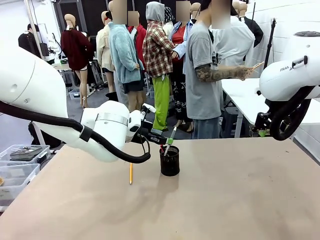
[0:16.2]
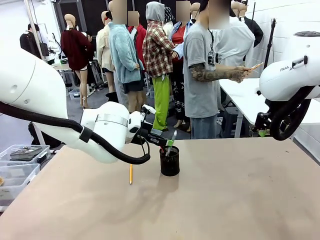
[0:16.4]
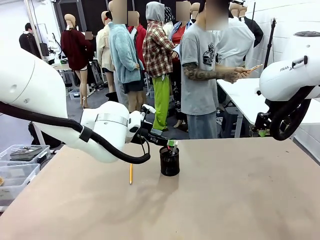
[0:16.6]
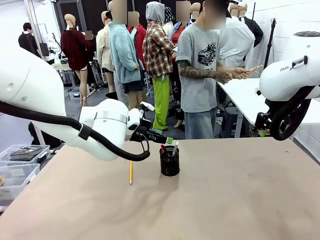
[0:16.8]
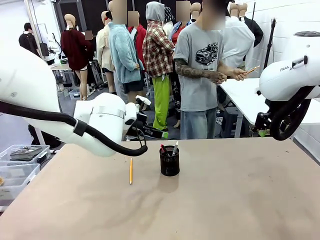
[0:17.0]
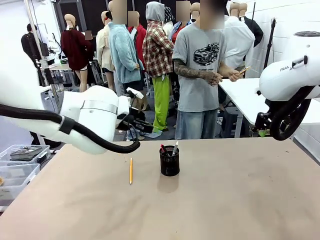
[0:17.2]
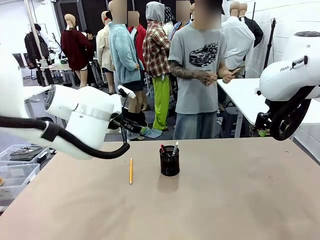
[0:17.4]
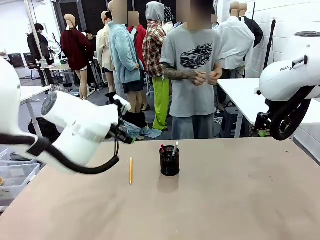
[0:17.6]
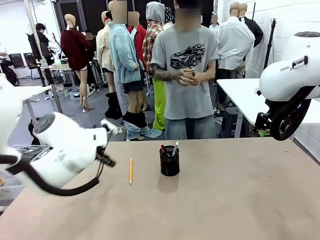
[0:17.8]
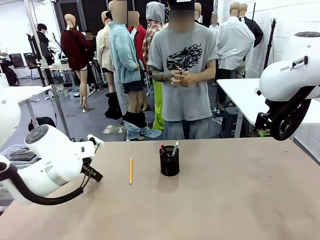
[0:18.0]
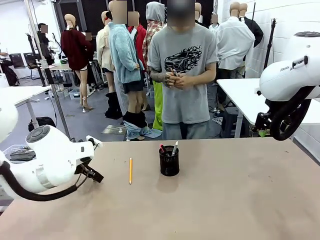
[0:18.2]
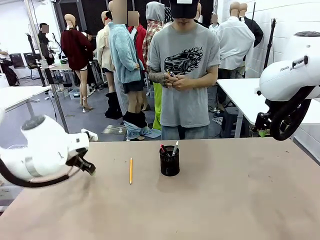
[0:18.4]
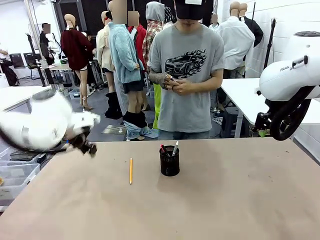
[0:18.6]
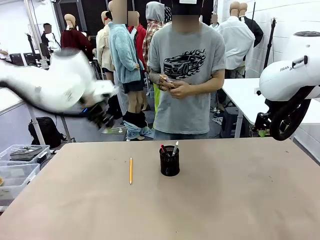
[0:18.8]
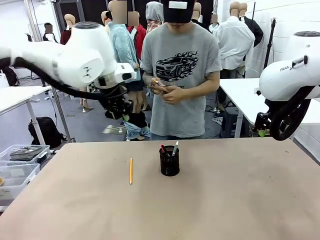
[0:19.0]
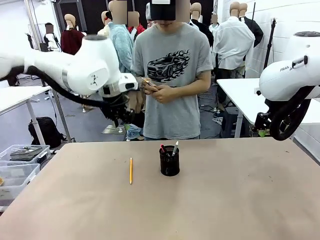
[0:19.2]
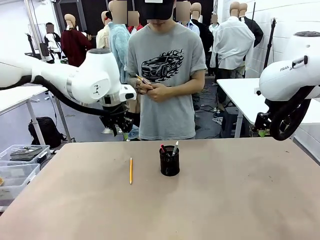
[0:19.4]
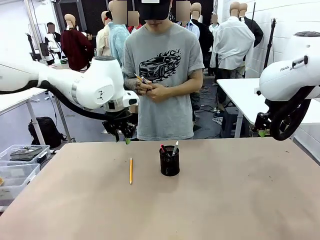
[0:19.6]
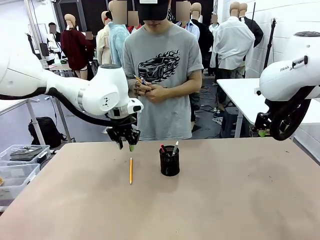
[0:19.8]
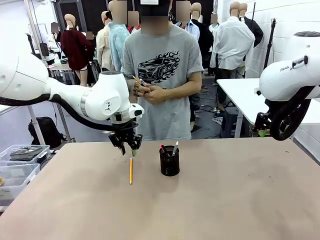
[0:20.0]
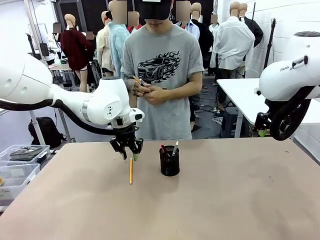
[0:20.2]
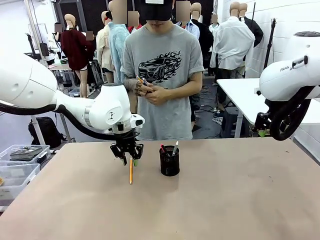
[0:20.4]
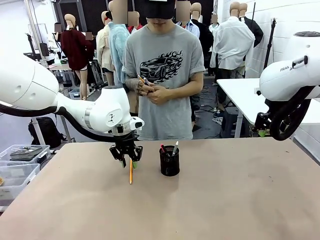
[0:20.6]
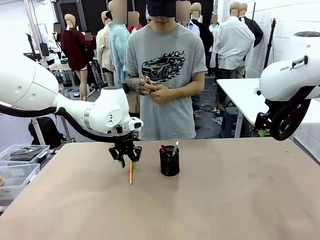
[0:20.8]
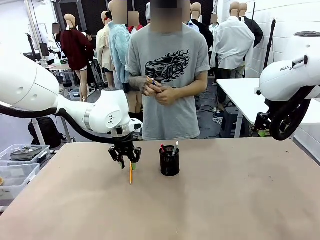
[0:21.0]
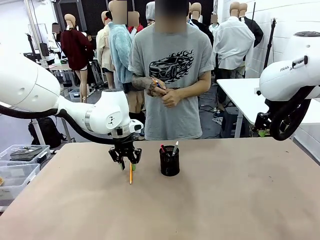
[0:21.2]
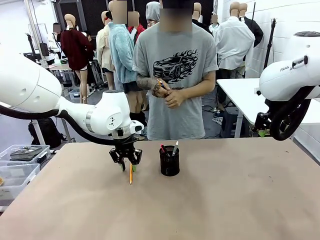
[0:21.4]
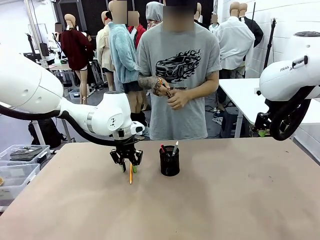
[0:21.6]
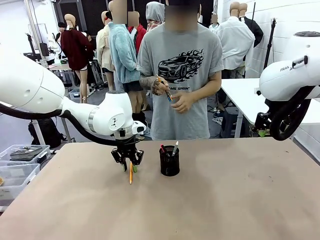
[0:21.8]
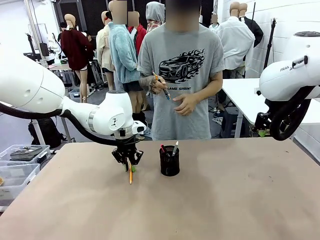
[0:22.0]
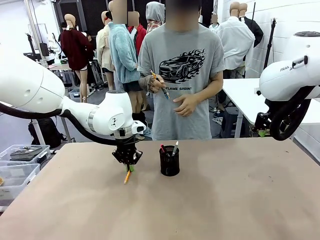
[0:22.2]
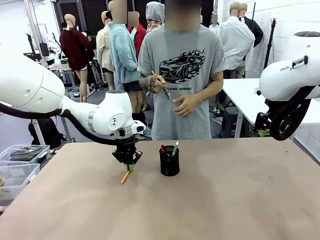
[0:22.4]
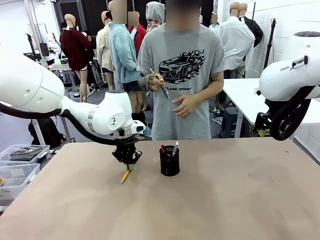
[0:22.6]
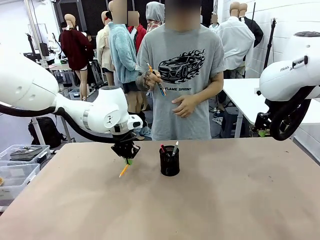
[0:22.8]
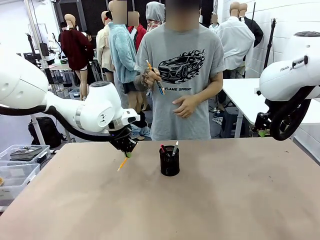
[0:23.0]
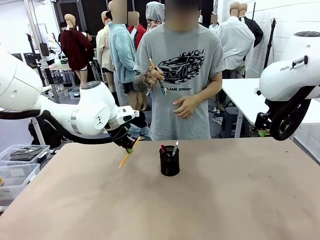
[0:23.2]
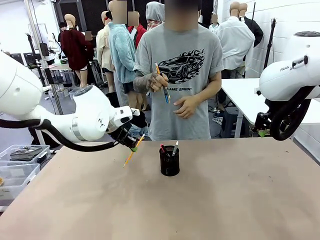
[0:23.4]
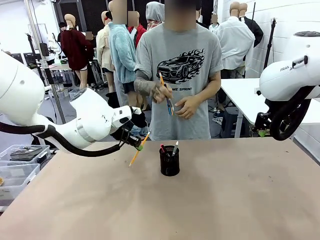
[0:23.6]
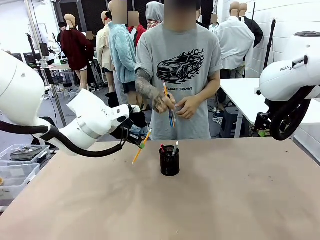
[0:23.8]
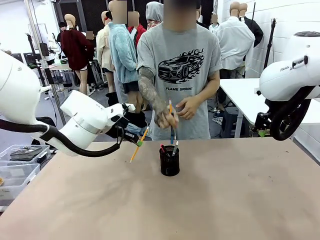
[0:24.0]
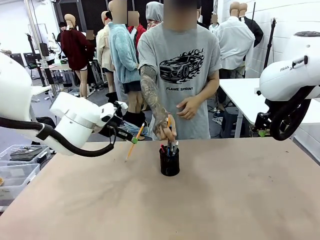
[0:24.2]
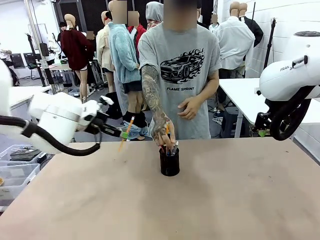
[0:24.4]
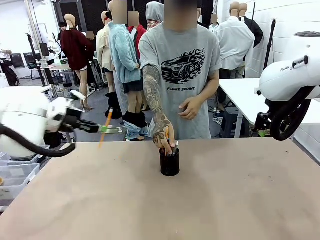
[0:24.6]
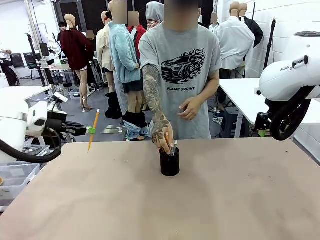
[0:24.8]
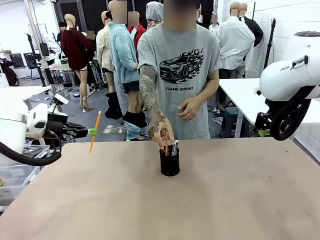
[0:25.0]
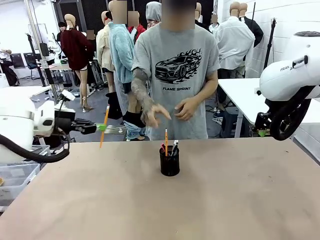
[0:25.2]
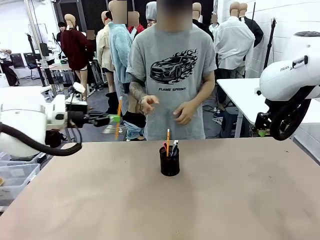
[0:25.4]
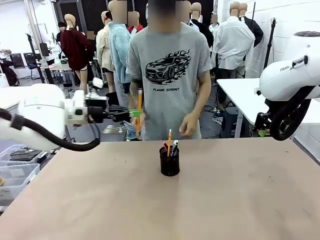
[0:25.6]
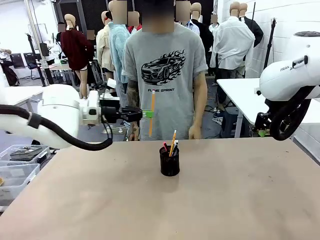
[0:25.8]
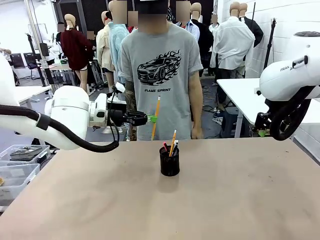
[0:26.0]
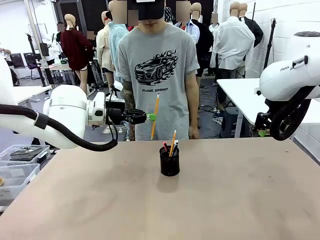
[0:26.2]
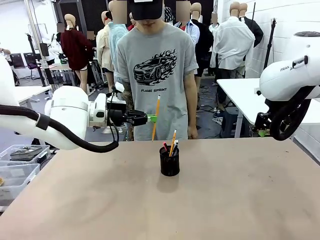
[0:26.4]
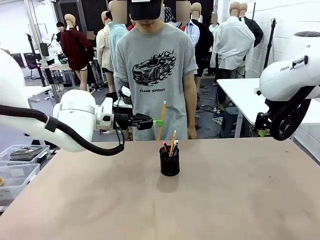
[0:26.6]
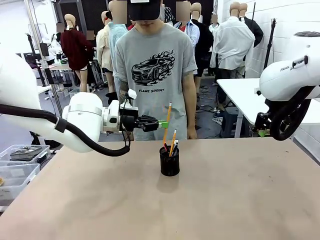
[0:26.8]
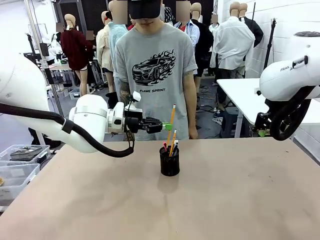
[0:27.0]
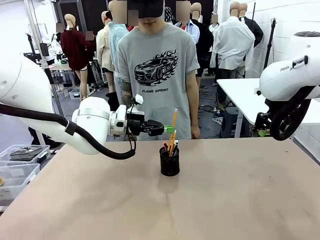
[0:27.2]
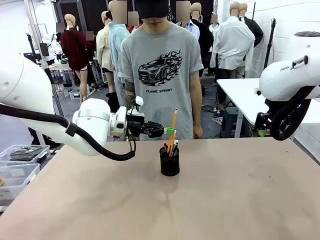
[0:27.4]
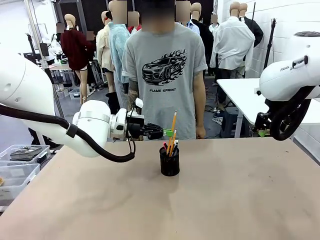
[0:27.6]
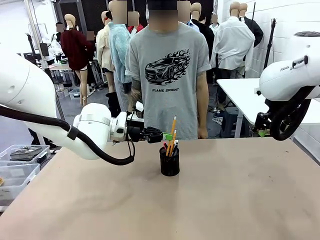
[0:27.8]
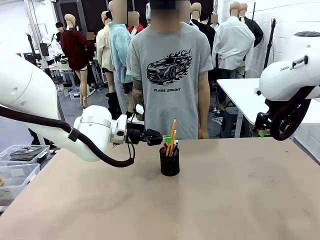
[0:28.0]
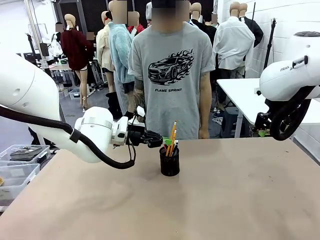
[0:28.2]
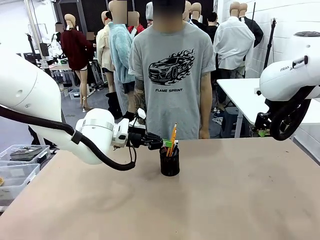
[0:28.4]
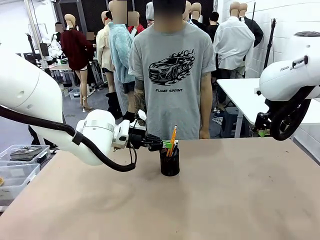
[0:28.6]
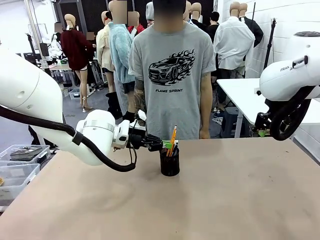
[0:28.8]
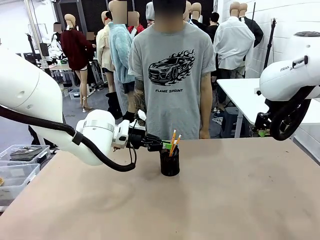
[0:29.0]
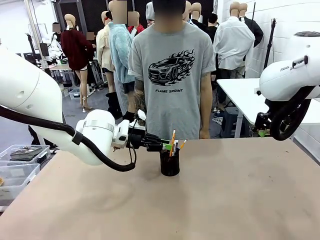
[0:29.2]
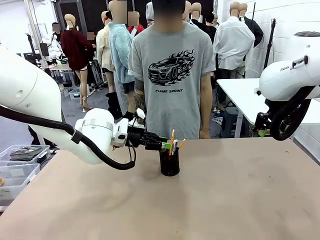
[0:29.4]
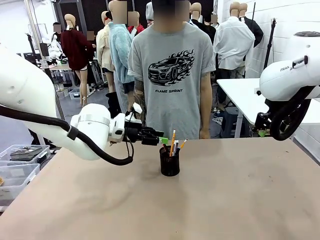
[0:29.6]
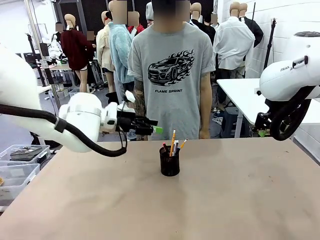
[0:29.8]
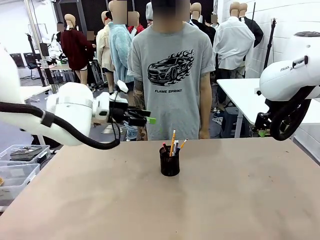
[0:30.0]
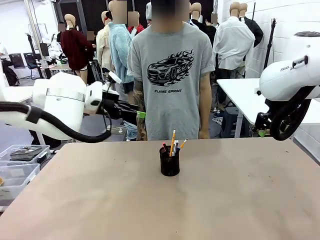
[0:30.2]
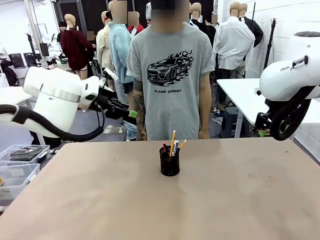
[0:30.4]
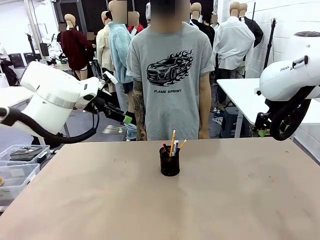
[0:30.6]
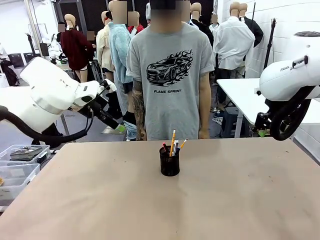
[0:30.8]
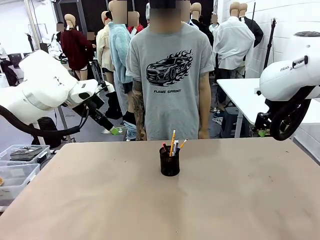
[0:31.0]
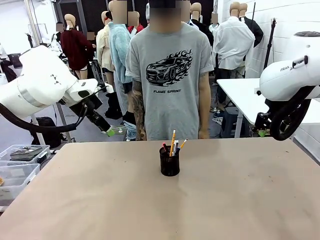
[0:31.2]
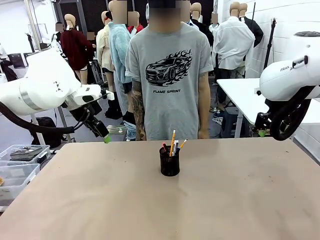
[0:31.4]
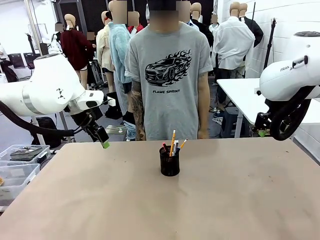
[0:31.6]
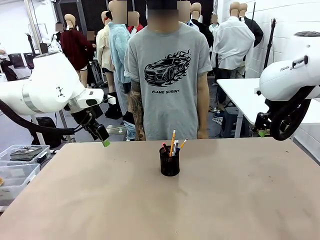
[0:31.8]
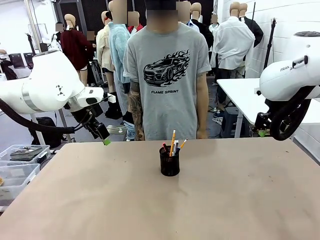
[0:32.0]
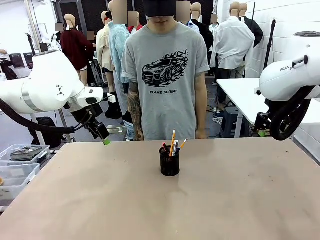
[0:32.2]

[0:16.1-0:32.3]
Task: Place the pens into the pen holder.
Robot: Pick up a writing instrument from the table and place it into the Pen holder.
Person: Place all writing instrument into the Pen holder.

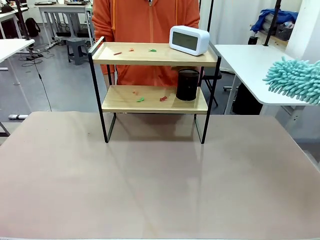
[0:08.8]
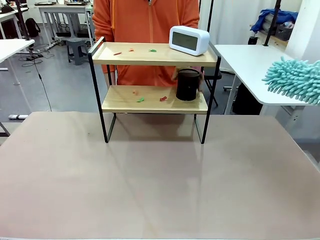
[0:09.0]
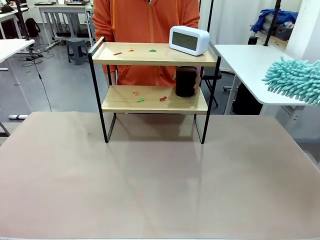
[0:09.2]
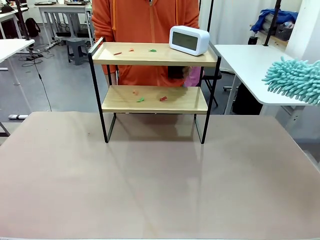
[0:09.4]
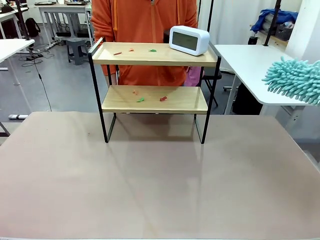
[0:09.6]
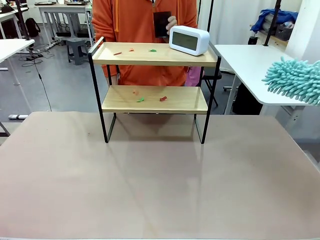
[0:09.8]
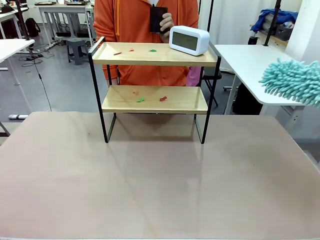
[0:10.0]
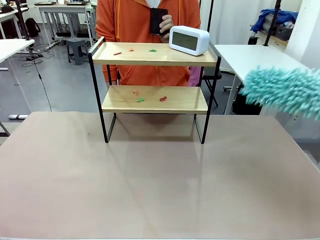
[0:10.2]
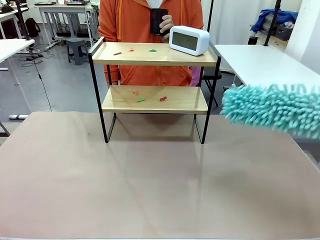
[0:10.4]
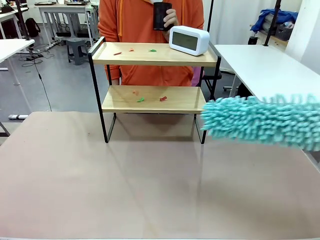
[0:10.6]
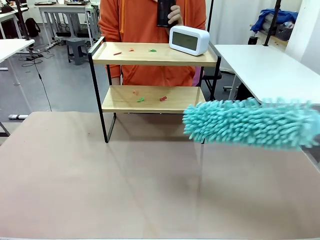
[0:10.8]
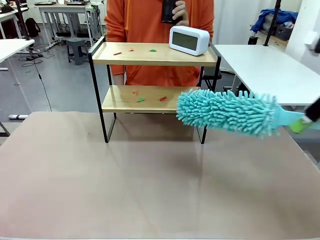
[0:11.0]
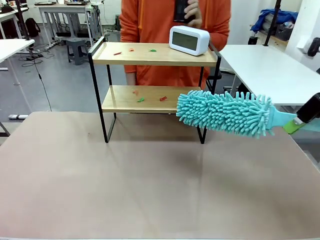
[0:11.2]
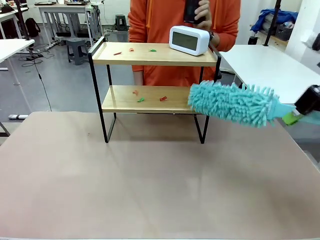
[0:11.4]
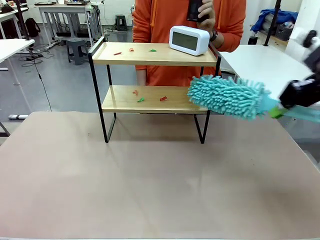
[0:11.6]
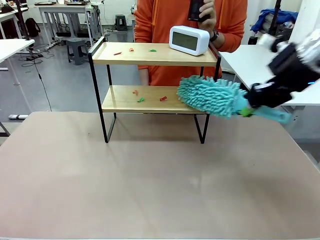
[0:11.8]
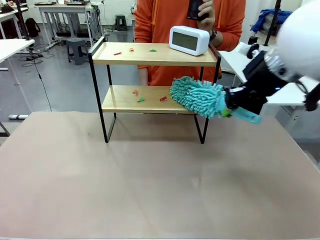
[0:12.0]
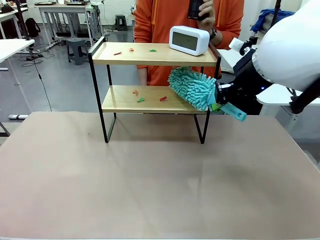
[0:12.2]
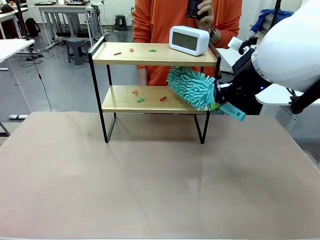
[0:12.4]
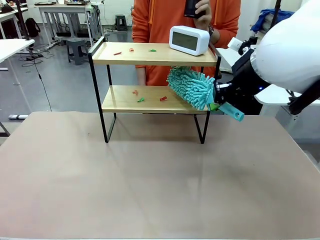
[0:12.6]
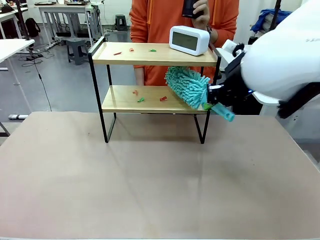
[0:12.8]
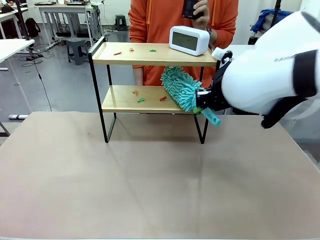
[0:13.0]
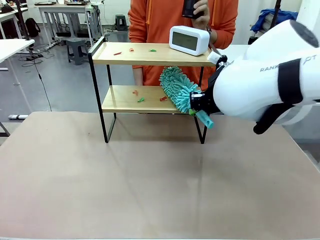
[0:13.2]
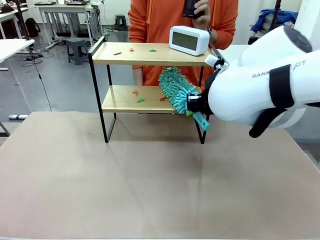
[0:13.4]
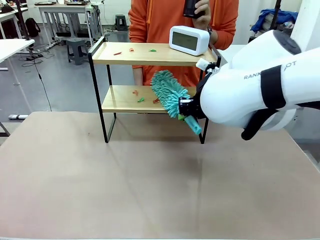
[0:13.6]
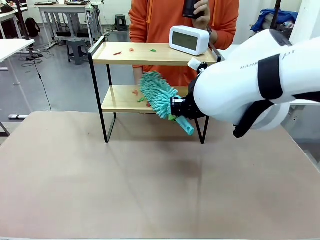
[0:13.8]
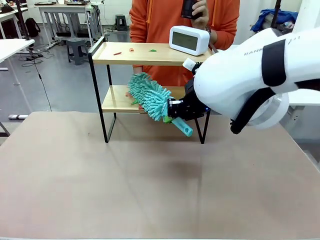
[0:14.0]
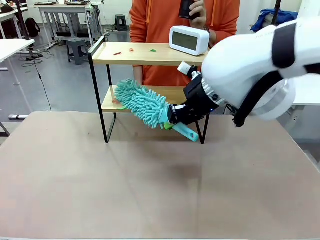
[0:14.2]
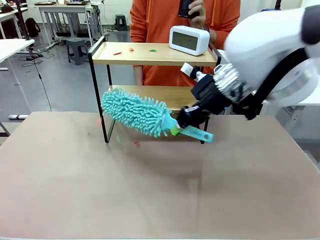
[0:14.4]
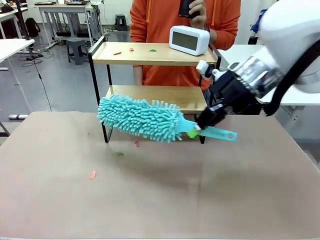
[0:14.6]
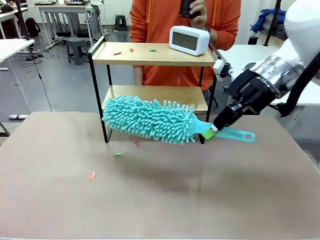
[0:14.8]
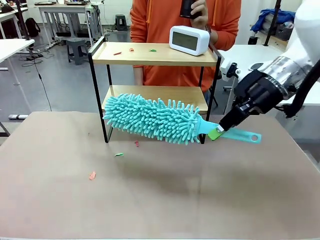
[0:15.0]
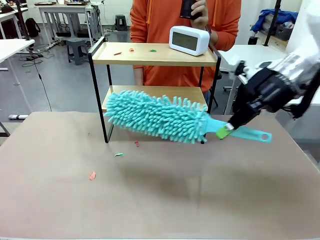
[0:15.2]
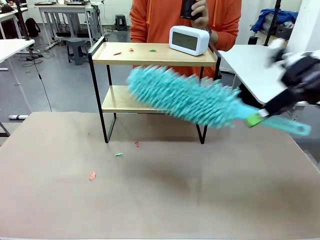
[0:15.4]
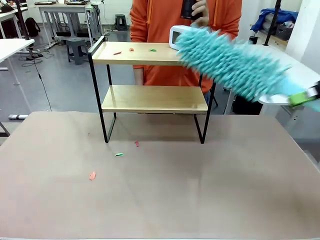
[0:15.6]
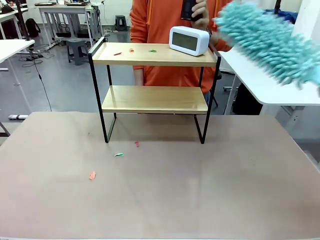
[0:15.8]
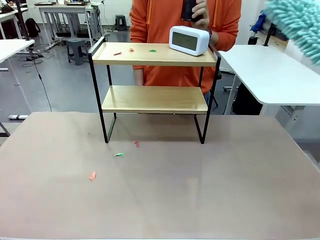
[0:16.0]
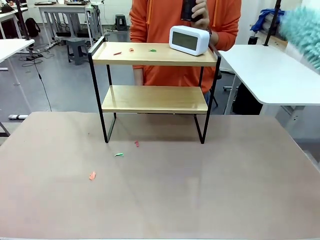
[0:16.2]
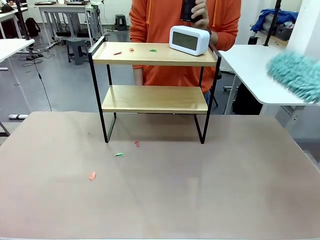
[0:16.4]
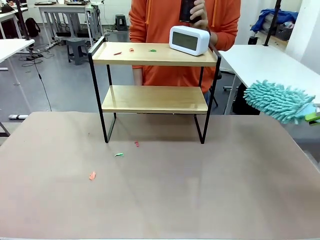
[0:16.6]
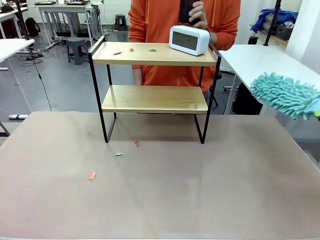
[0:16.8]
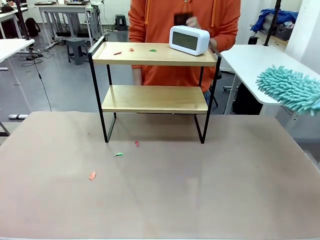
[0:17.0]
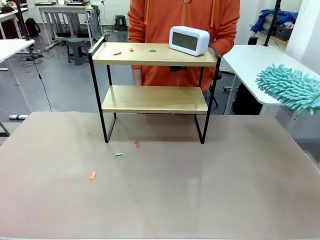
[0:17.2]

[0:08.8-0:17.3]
Task: Clean the shelf.
Robot: Clean the specific tier of the Shelf with the Duster once objects are removed.
Person: Lift the objects on a randomly selected tier of the Shelf. Once the robot finishes cleaning, lift the objects on the remaining tiers of the Shelf.
